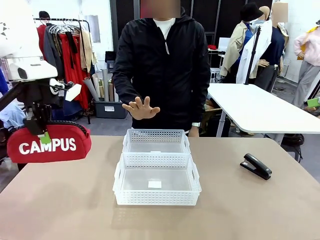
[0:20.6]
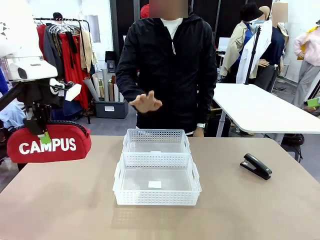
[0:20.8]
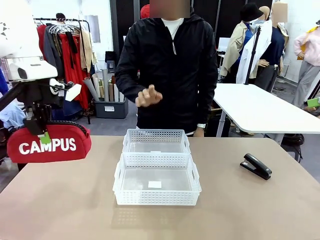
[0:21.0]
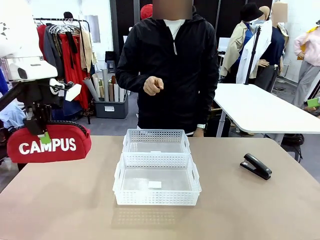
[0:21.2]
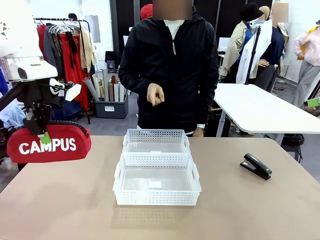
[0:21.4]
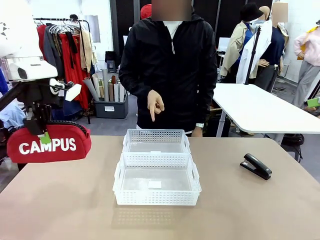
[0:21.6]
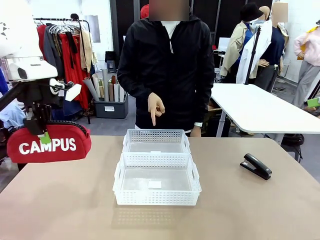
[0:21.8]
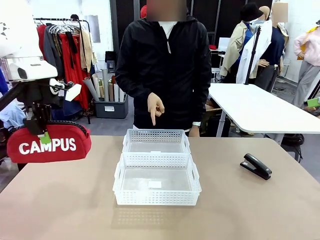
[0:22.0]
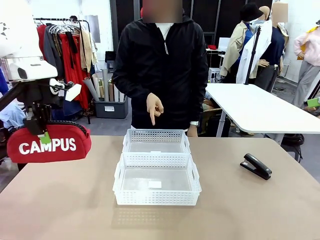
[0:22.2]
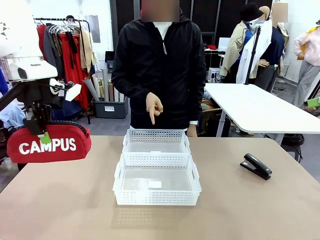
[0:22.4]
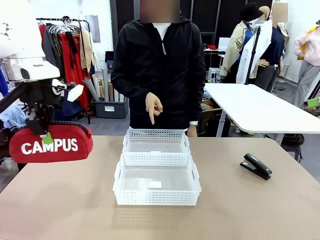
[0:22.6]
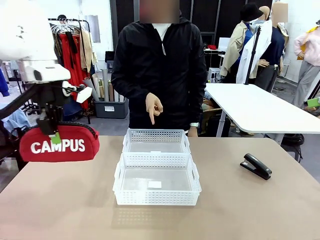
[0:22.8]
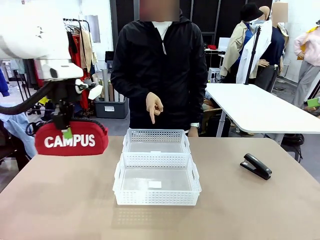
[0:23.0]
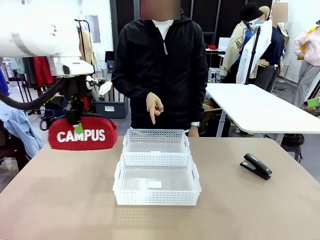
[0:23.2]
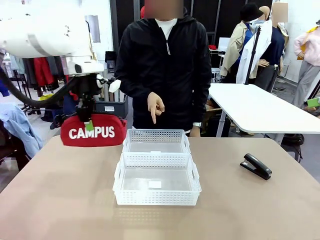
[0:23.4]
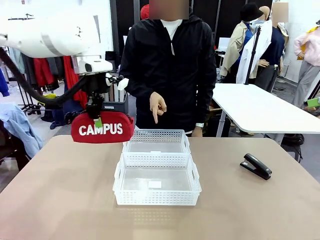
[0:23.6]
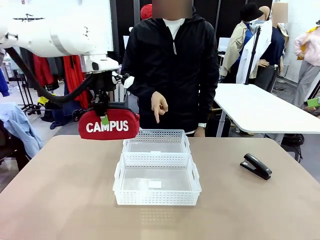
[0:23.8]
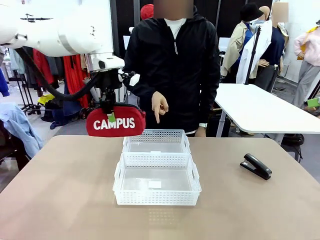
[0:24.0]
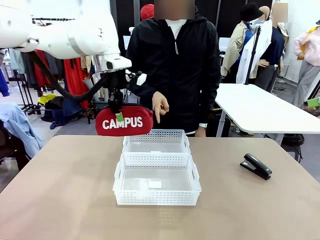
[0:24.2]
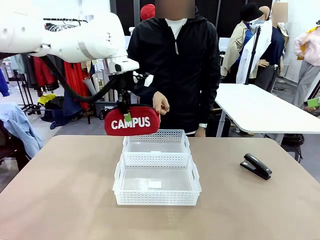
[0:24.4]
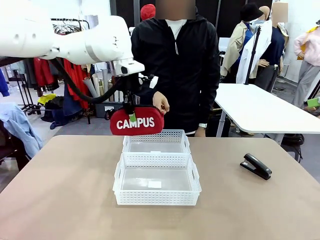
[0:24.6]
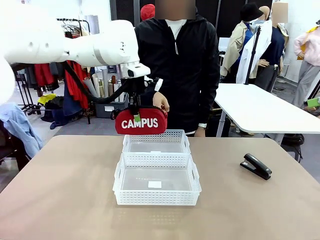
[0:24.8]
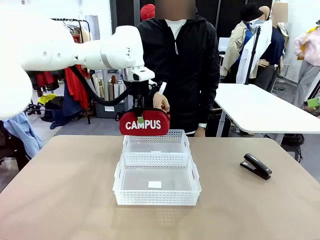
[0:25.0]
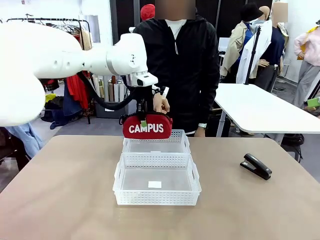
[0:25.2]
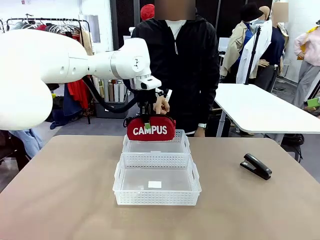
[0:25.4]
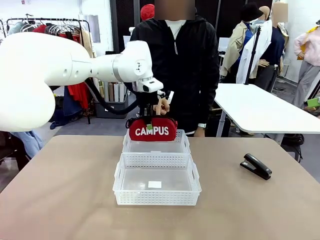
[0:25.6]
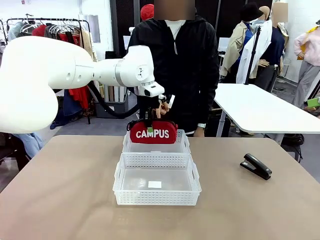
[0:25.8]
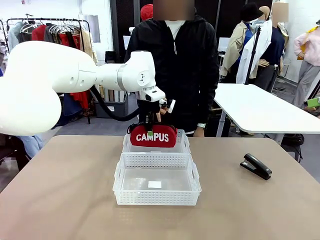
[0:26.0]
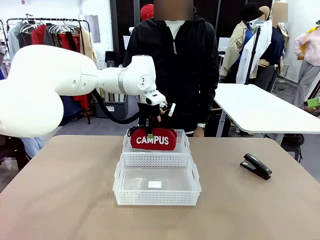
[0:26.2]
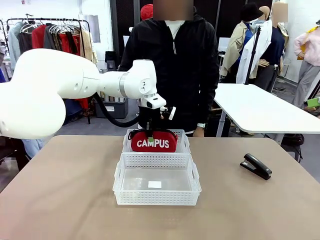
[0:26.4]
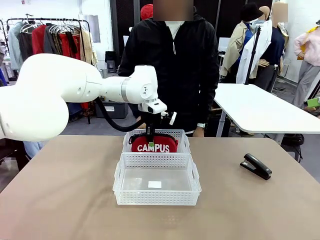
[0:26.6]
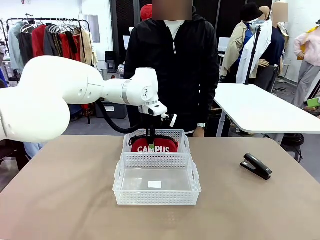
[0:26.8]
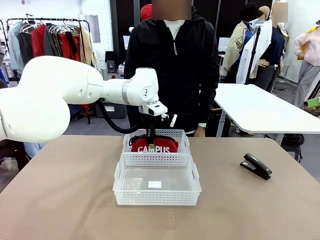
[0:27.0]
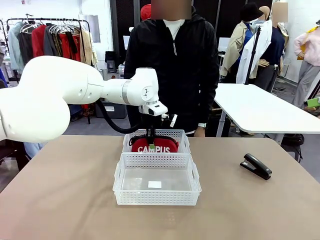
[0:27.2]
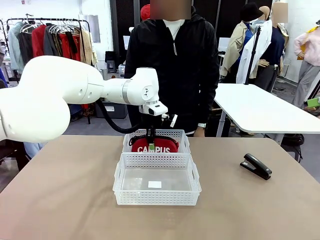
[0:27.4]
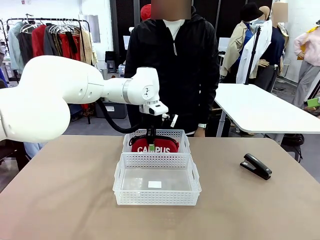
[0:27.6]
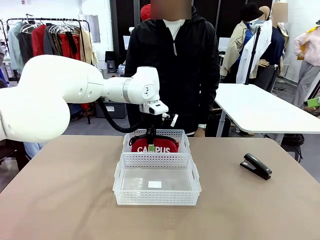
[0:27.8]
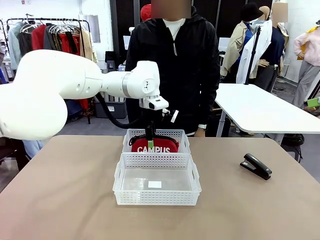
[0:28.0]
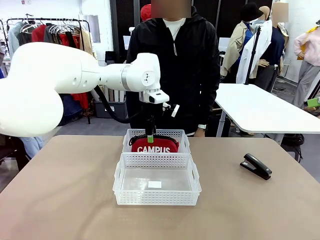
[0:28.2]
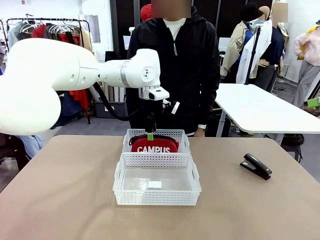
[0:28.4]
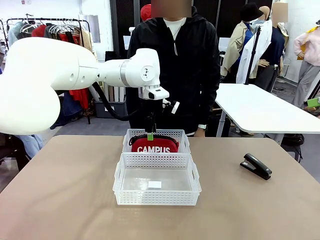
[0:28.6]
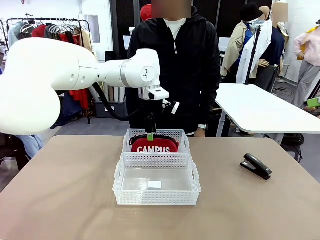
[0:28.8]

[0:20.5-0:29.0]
Task: Distribute items into two baskets.
Robot: Place the picked Pencil pouch into the Organizing basket as instructed by the person.
Person: Instructs the robot to place the pencil case into the opposite basket. Points to the stapler.

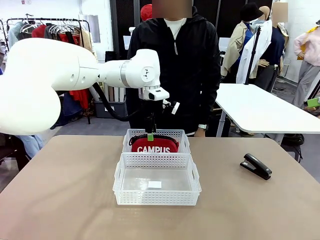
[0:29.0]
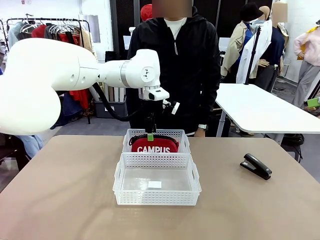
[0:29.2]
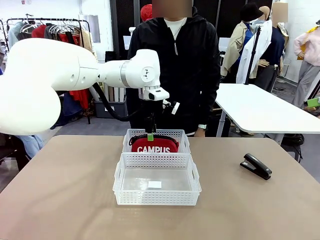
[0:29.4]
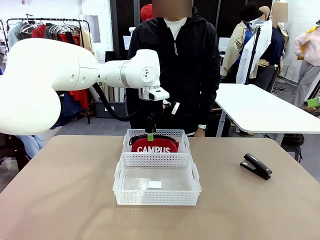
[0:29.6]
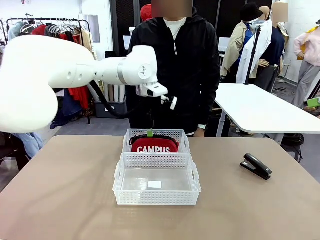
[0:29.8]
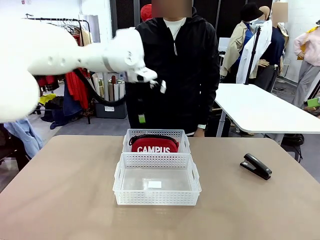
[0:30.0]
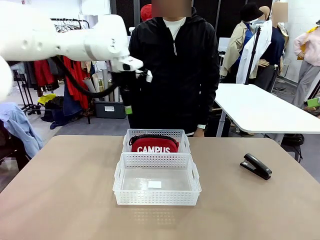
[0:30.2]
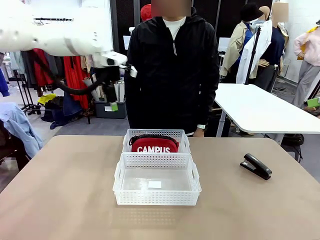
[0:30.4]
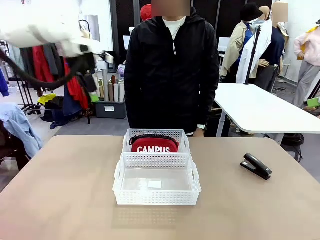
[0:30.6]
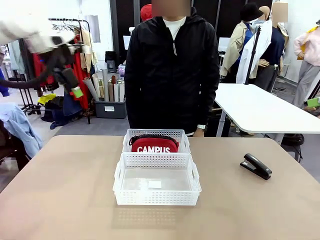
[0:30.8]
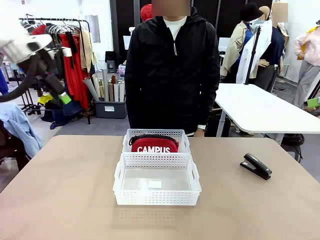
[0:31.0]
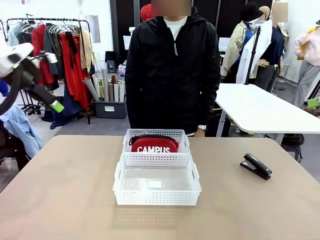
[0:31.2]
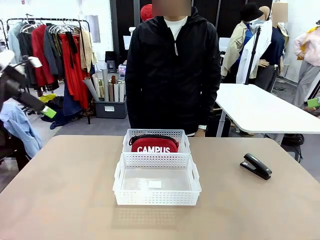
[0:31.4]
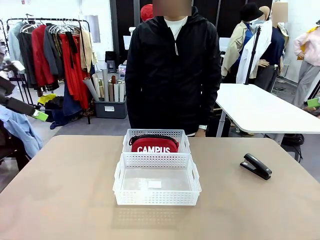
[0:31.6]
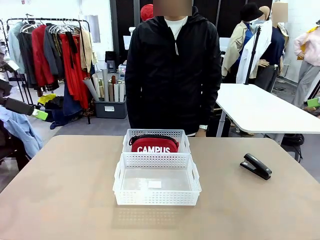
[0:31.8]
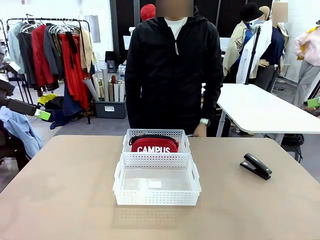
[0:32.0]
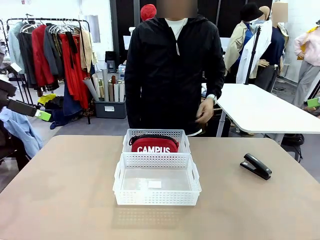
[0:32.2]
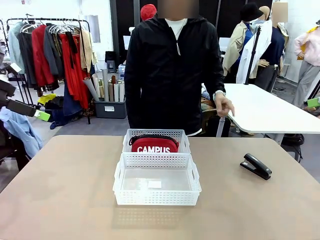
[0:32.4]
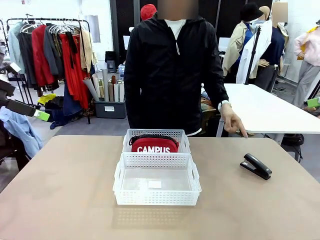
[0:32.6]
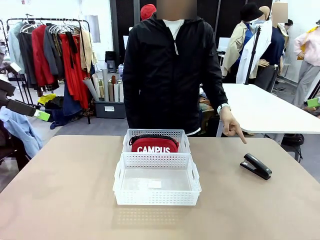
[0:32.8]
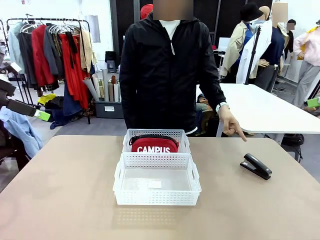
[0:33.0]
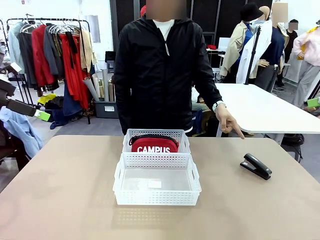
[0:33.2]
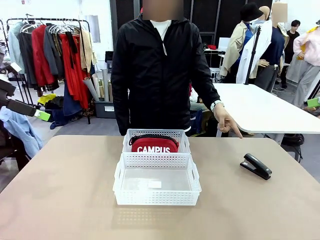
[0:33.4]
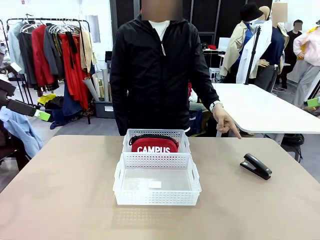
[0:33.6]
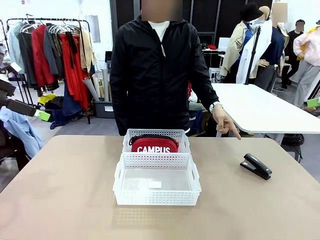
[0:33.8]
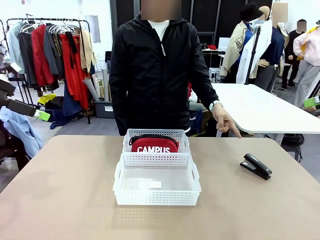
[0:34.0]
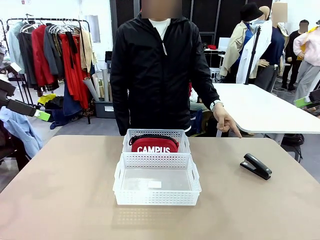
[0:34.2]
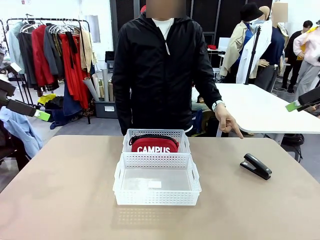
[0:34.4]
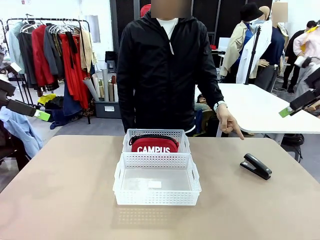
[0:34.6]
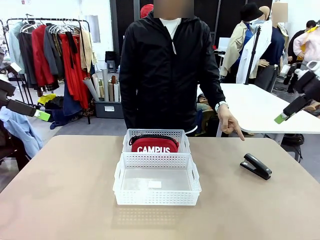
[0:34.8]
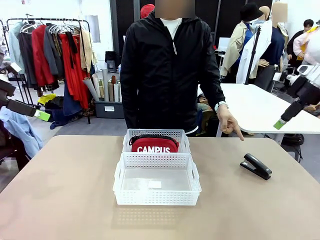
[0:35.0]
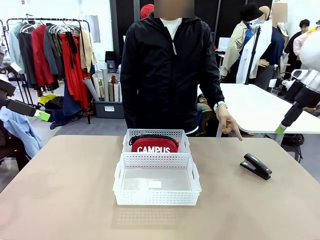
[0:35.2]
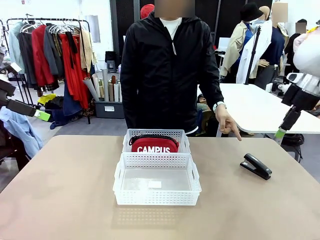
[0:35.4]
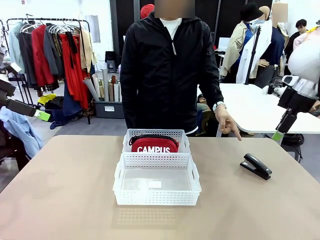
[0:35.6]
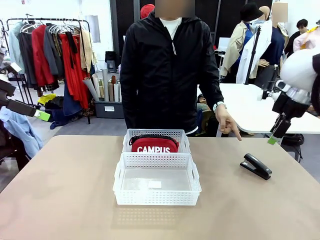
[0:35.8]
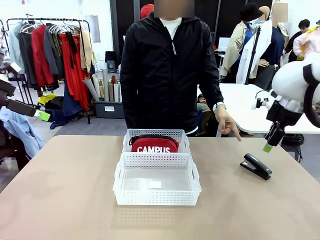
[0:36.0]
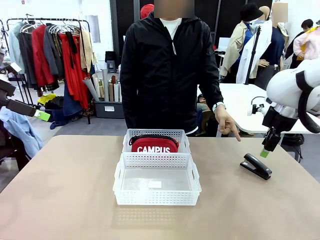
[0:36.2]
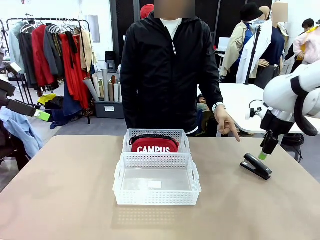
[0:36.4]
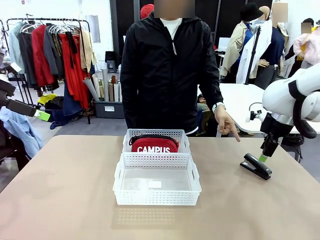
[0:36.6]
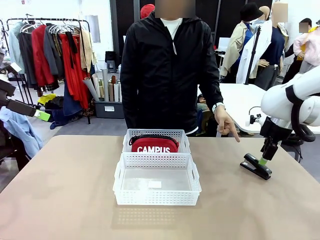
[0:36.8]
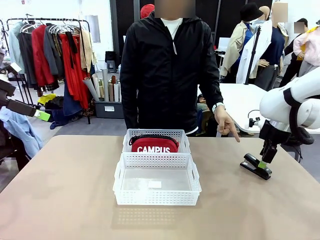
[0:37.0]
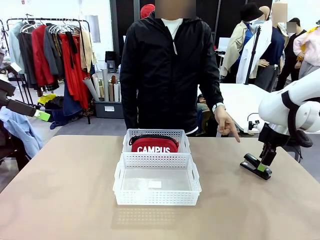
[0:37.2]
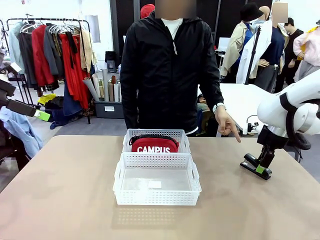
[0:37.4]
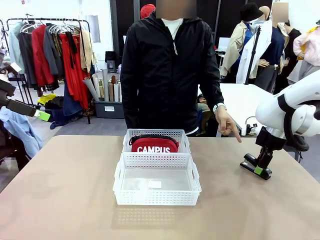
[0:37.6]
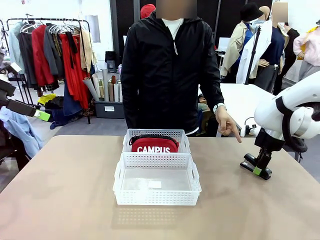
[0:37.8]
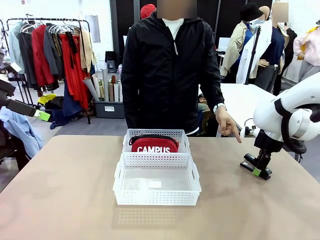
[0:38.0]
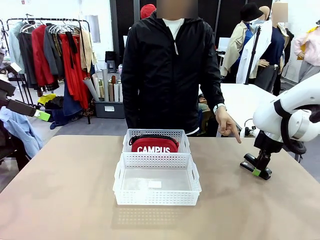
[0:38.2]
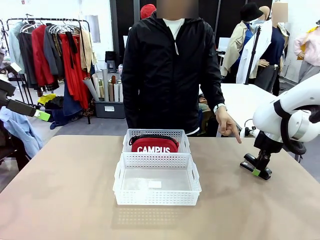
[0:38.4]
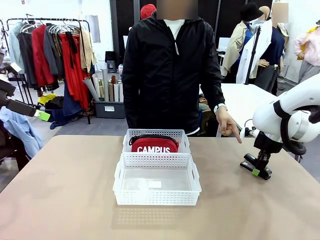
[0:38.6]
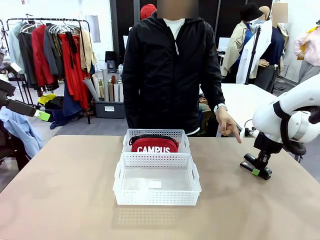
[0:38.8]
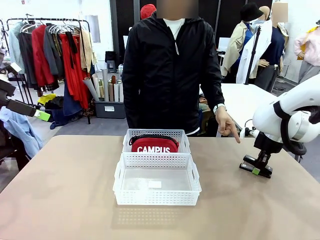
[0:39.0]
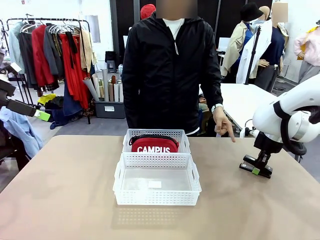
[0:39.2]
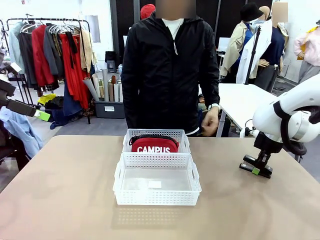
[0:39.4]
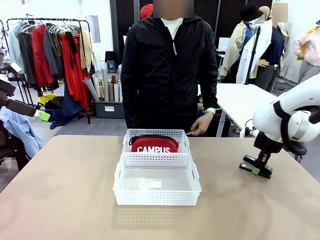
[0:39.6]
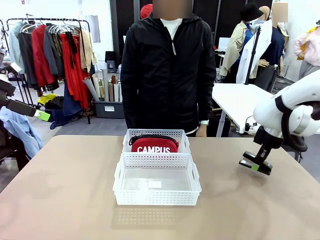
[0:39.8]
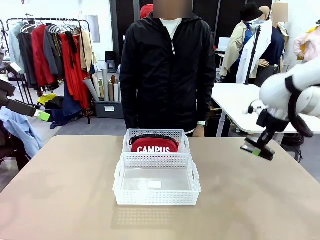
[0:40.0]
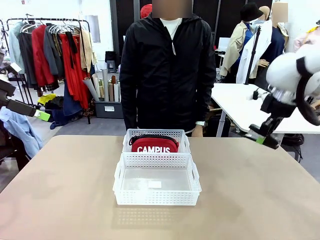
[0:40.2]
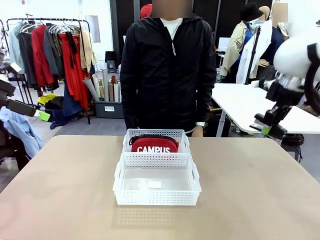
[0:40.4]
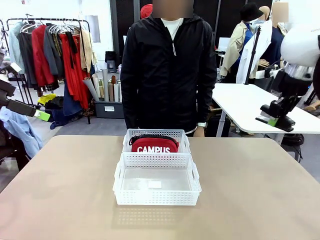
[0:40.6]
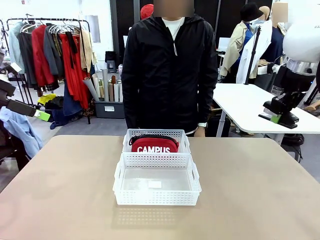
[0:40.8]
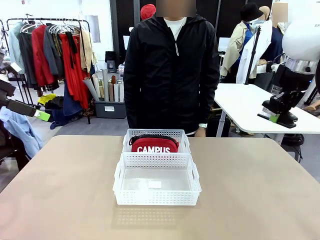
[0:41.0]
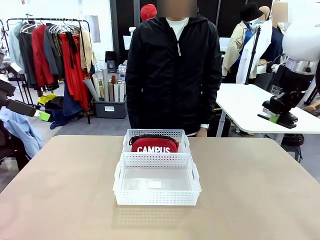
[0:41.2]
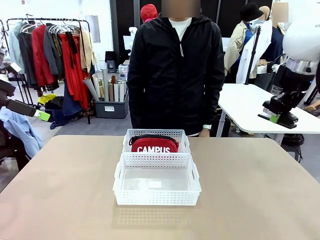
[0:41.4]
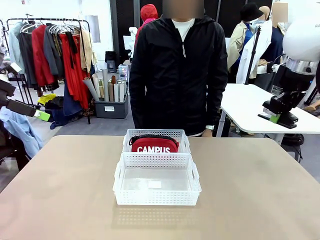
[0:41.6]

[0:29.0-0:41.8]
Robot: Pick up the Stapler that the person points to.
